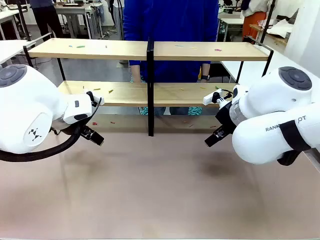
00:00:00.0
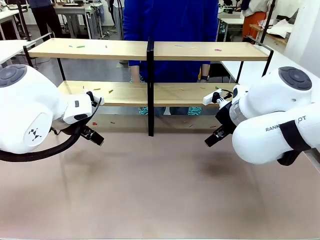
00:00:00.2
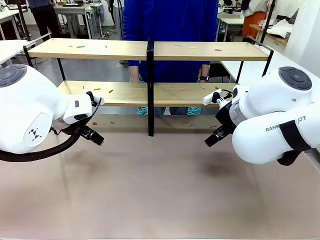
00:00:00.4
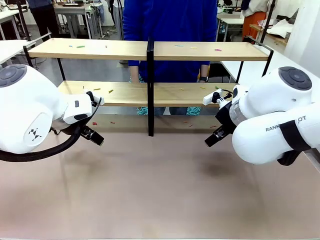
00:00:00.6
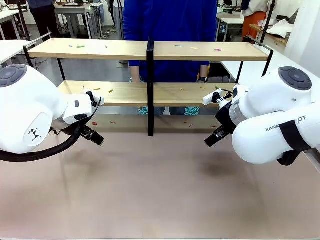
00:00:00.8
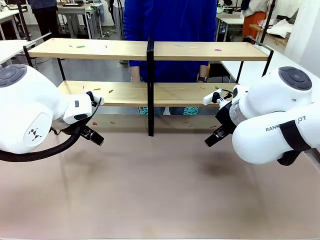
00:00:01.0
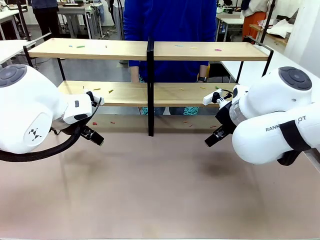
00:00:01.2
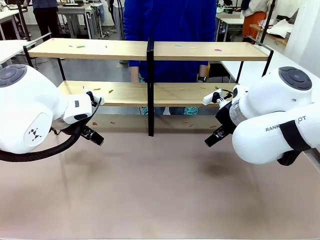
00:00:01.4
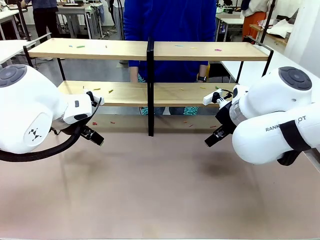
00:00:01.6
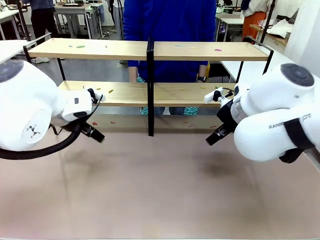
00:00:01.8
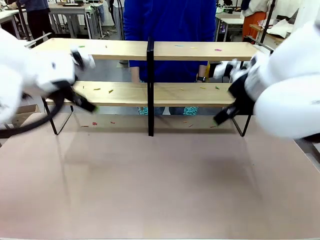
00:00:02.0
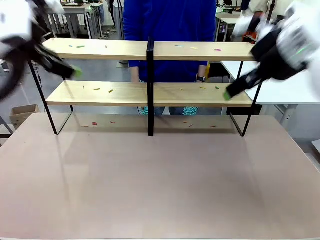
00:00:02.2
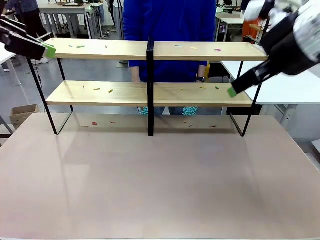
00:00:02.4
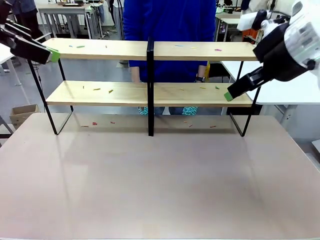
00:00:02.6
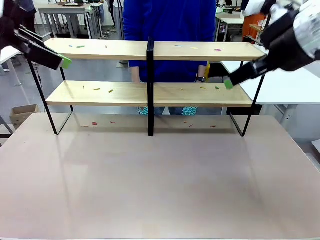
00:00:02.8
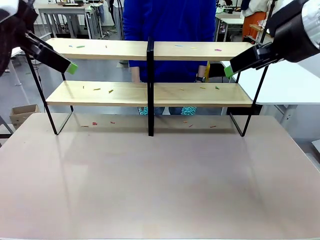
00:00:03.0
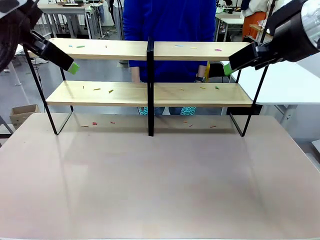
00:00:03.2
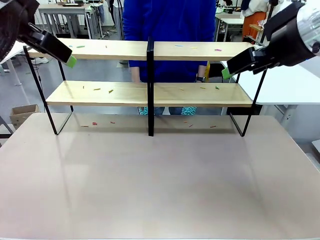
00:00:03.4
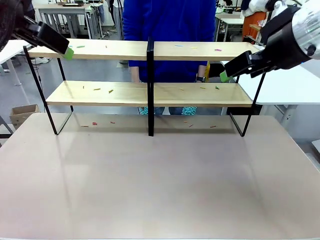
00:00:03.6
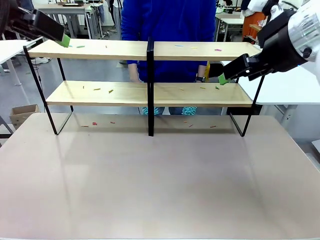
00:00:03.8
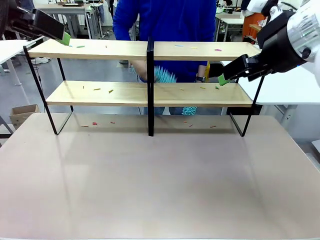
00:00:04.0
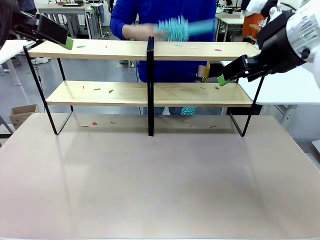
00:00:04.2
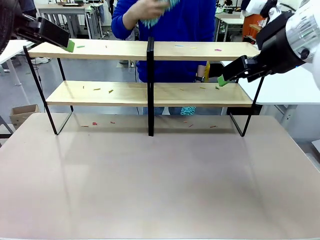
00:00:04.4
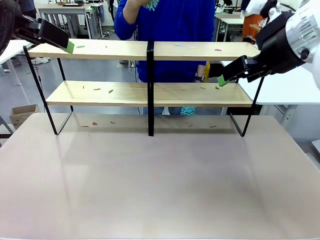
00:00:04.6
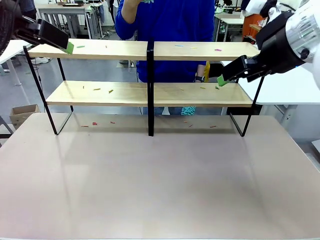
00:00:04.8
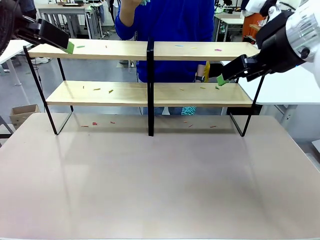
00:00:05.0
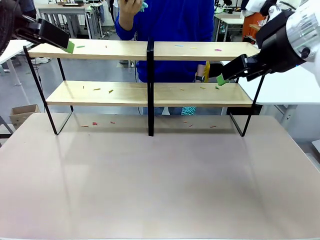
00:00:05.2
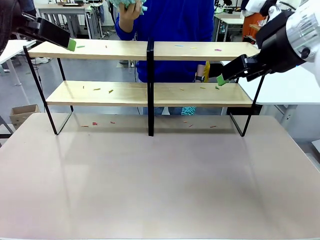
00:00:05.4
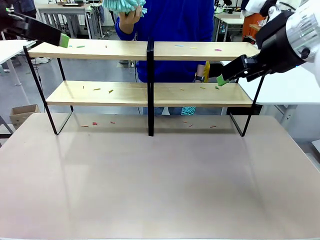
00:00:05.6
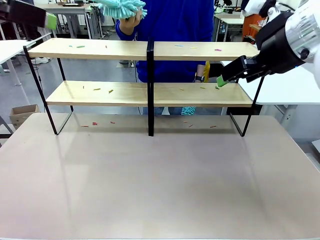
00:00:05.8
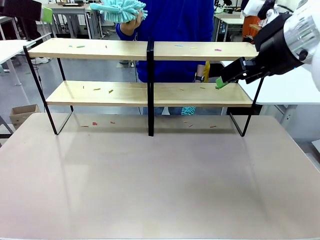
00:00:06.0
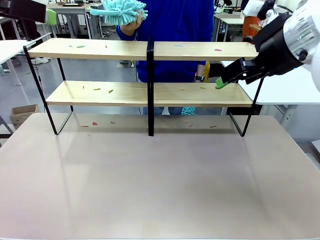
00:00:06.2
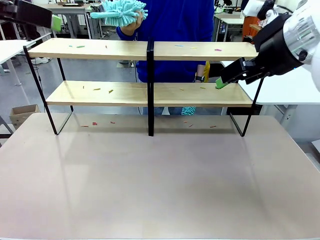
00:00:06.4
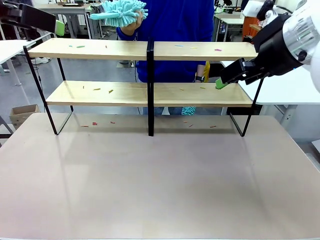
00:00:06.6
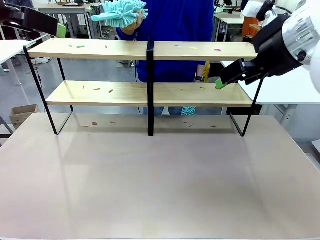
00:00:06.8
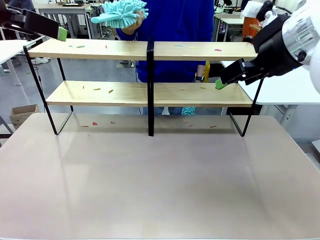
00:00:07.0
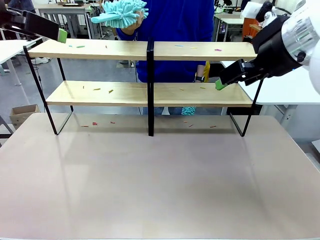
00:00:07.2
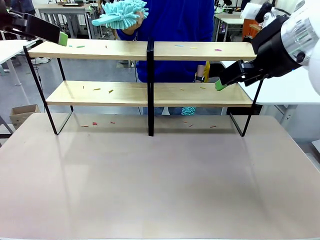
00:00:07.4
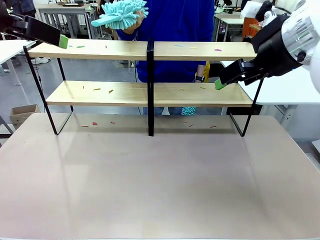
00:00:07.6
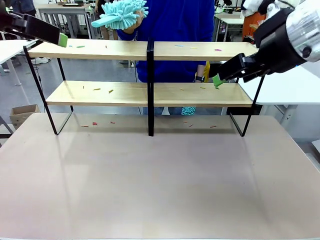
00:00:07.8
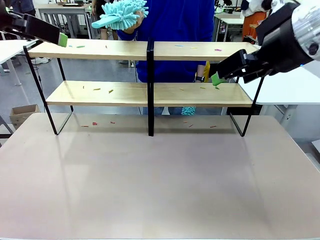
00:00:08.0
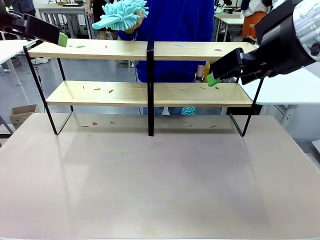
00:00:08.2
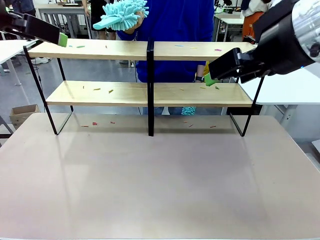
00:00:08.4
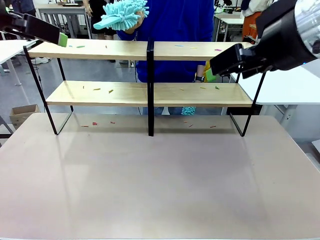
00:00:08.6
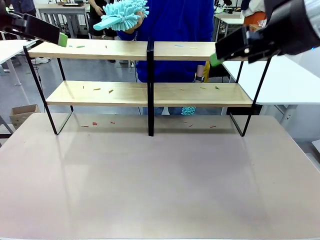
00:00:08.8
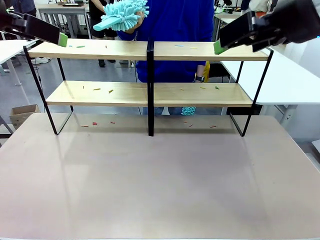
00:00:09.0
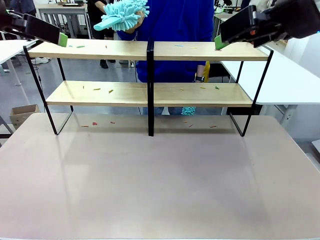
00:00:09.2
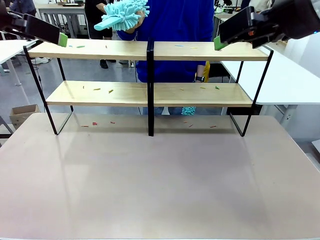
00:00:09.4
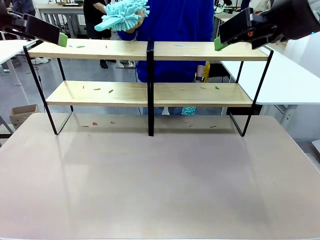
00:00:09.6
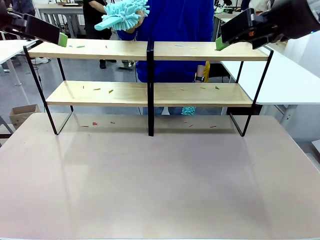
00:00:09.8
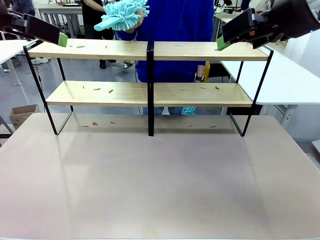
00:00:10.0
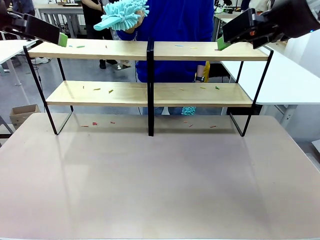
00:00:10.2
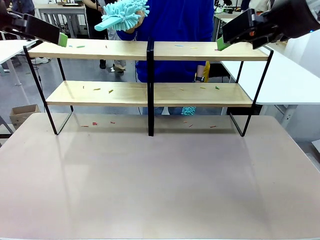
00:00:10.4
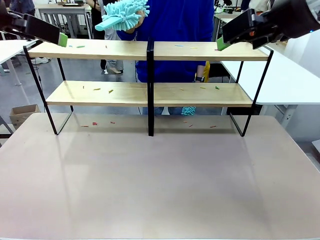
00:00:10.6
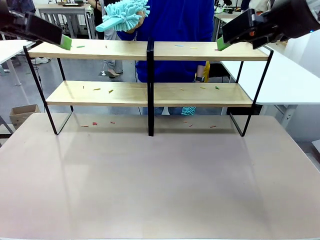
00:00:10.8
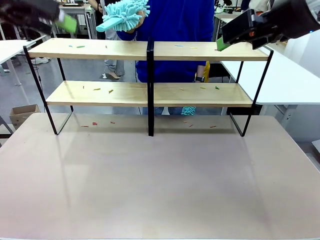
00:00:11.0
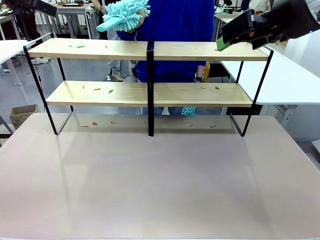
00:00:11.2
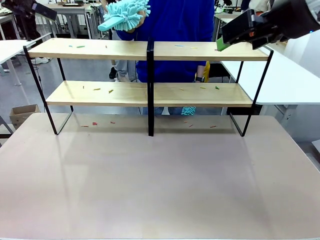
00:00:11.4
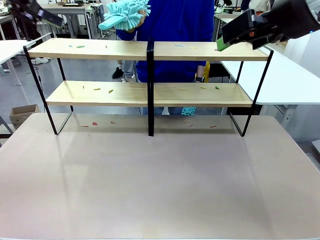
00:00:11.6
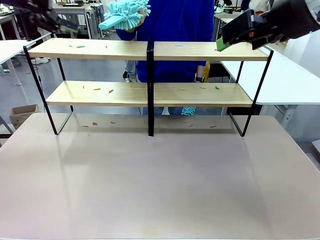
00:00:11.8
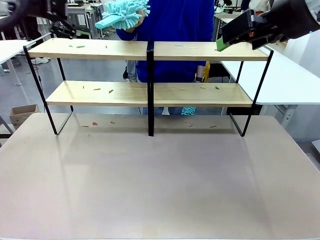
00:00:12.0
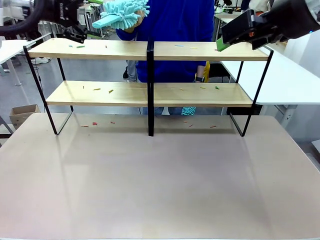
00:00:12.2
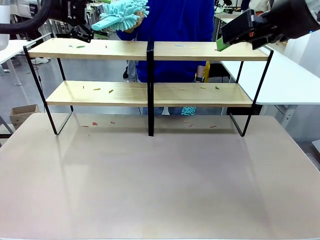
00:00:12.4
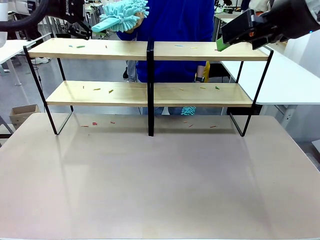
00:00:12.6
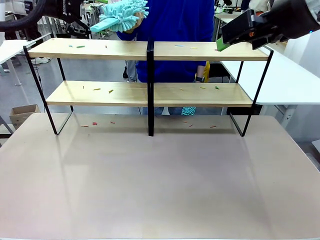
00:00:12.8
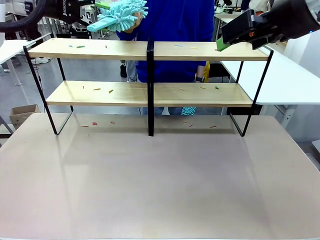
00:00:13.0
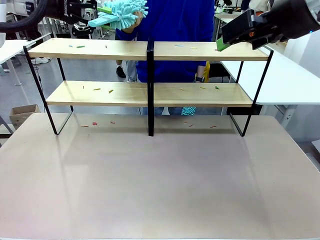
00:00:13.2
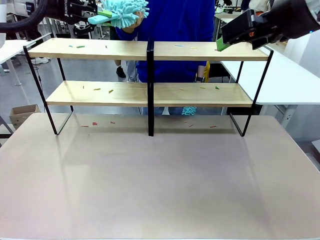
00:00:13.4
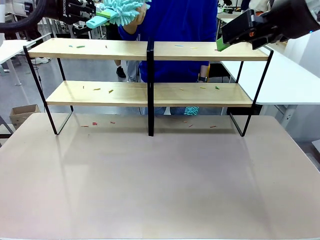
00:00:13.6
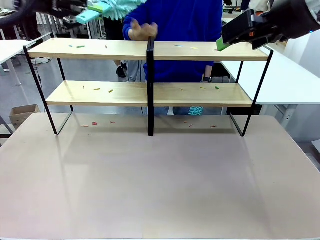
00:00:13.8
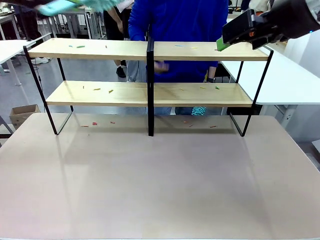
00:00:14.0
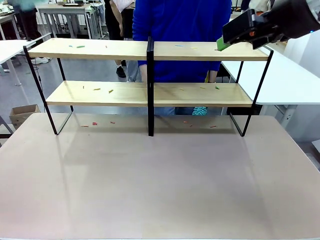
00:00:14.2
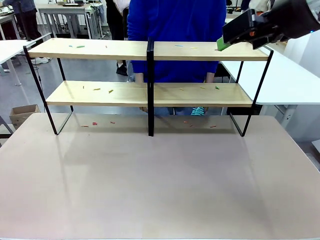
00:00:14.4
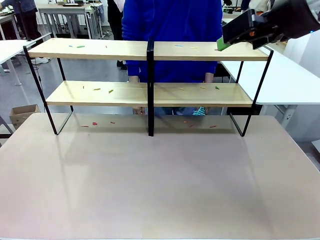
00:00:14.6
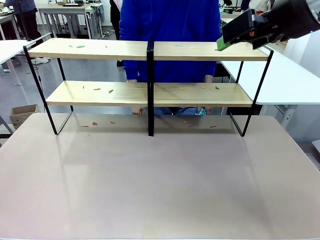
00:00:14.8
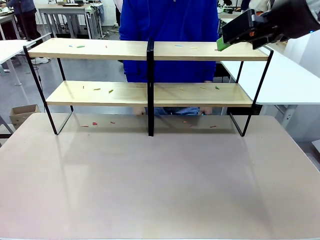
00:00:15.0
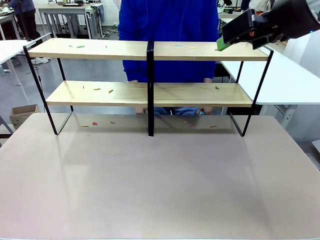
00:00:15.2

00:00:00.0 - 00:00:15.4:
Task: Clean the shelves.
Robot: Pick up the Duster when the human hands it over.
Person: Hand the Duster to the robot with your right (or left) hand.

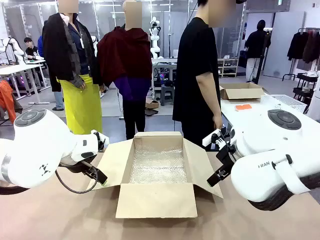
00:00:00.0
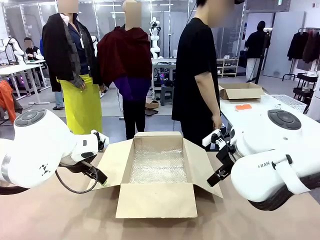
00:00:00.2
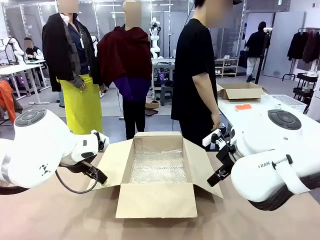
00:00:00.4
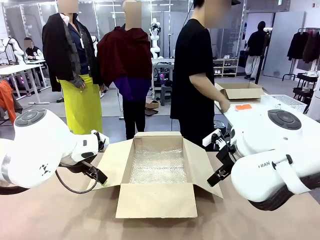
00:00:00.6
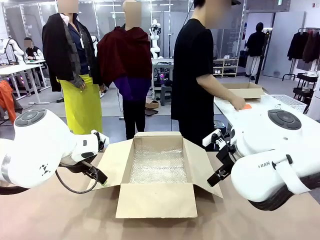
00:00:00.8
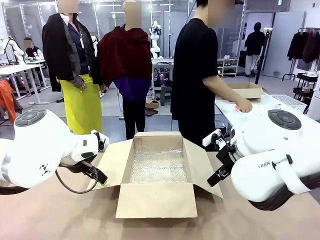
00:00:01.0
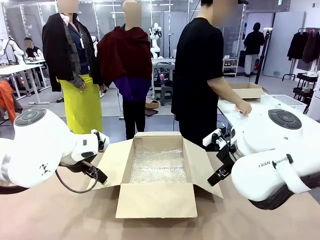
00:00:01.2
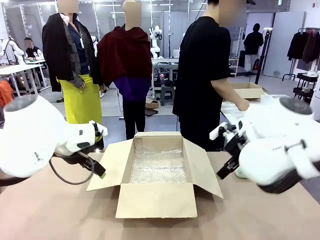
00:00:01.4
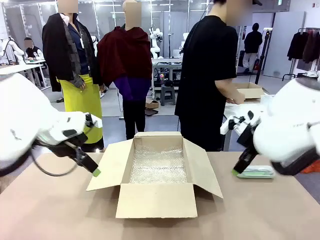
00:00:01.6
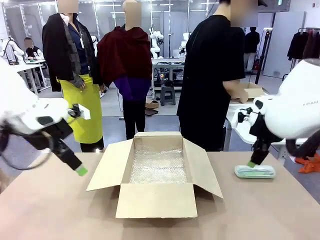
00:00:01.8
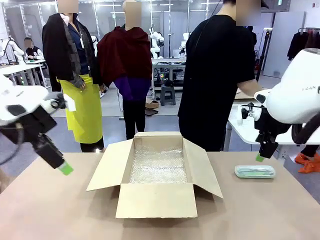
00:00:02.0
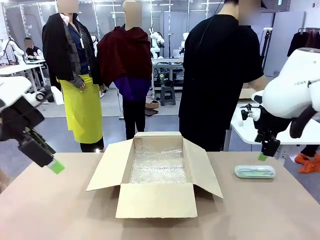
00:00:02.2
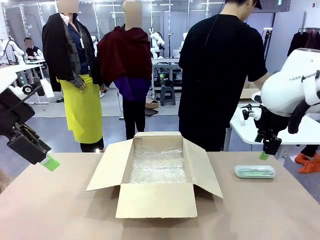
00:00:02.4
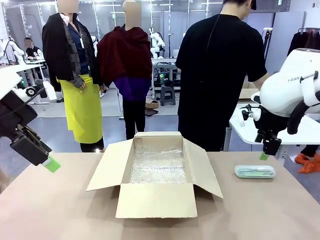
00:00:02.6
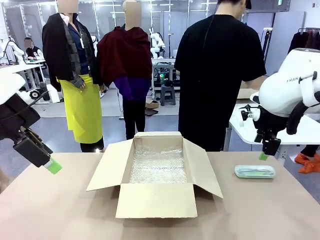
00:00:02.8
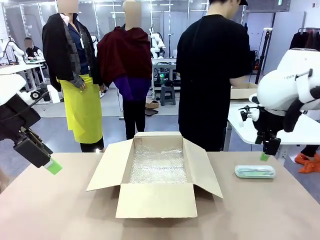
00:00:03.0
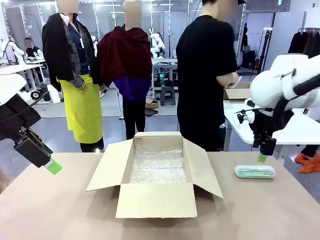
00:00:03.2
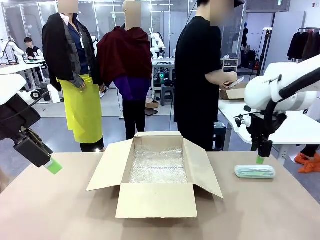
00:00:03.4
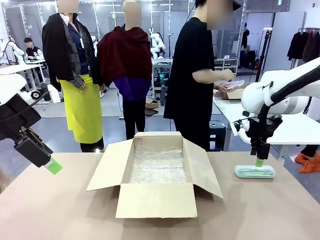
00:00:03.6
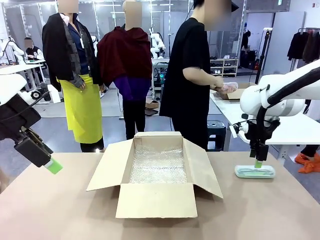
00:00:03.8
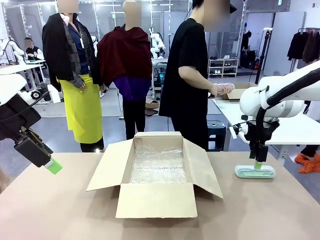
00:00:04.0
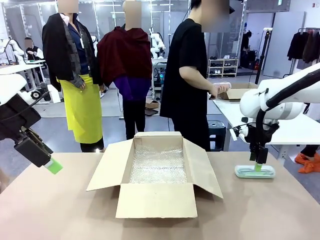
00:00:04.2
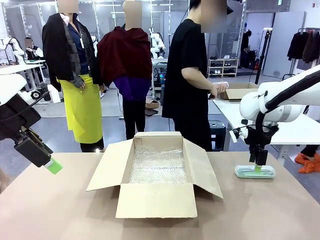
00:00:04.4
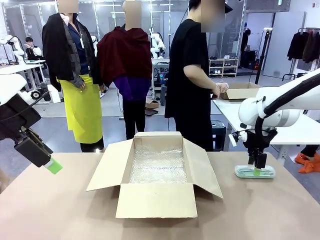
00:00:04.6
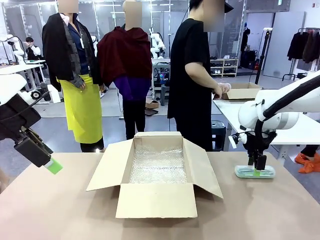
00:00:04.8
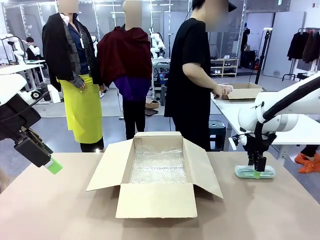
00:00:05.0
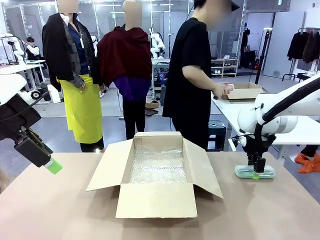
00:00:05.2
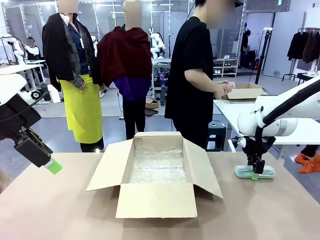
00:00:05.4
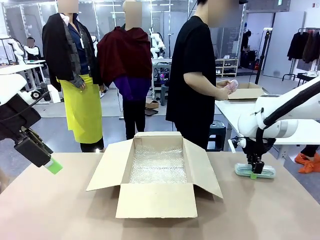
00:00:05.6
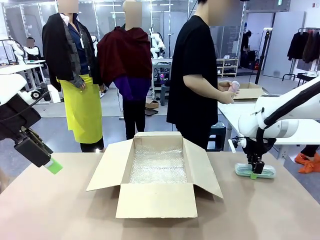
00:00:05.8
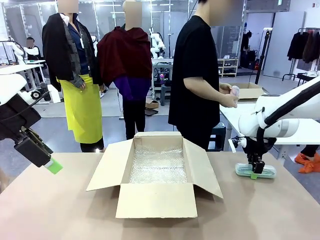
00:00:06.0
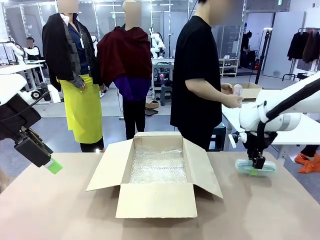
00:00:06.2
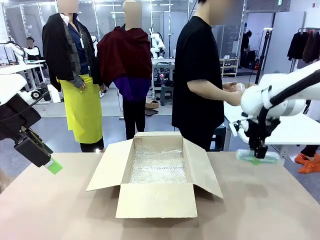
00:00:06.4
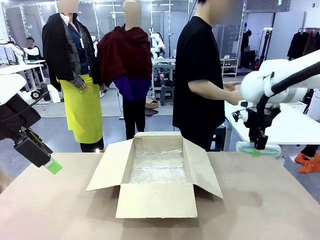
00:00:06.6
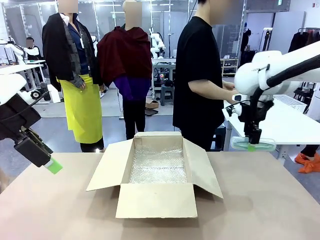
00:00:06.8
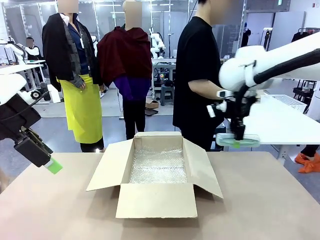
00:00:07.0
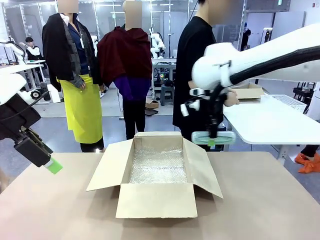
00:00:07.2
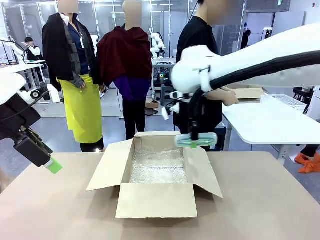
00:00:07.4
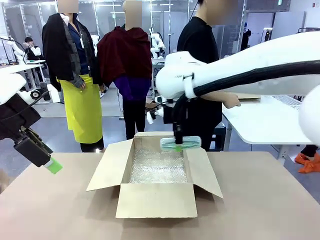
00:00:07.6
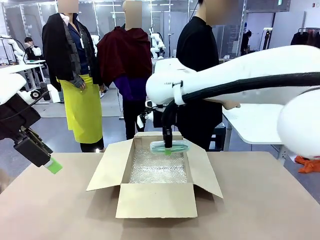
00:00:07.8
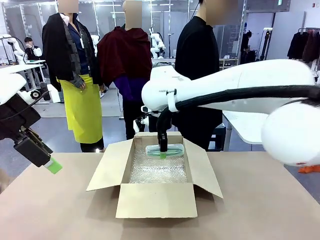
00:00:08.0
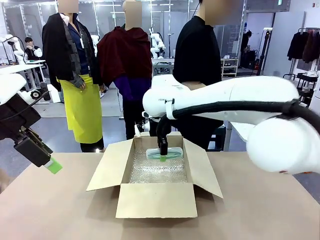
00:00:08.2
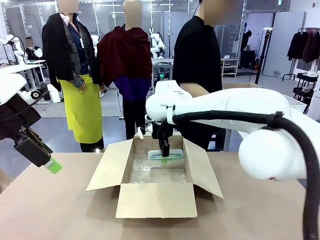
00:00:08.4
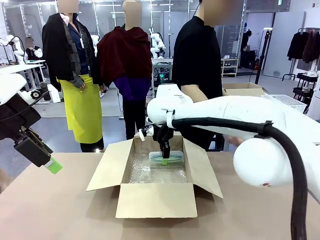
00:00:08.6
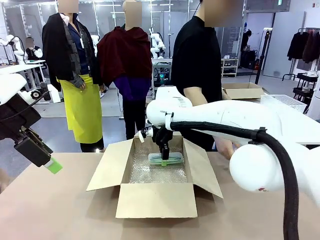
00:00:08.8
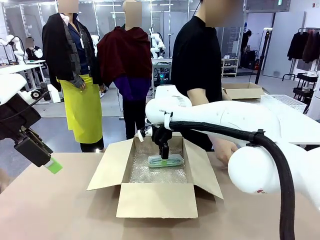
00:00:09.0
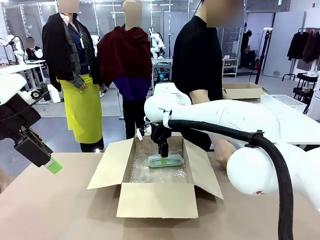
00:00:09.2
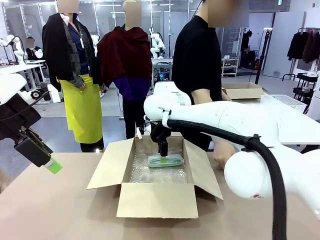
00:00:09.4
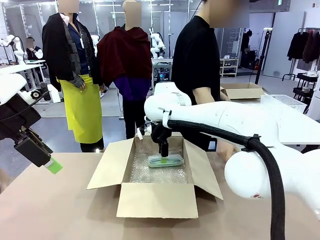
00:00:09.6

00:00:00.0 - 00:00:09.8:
Task: Pack the glasses set securely to prepare it for shipping.
Robot: Place the Glasses case inside the Package Box.
Person: Place the Glasses inside the Glasses case. Position the Glasses case on the left side of the robot's table.
